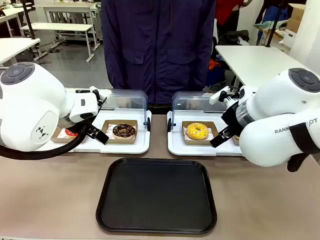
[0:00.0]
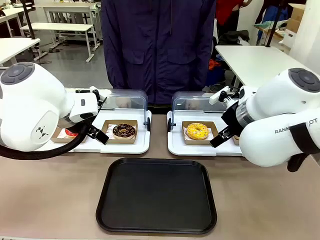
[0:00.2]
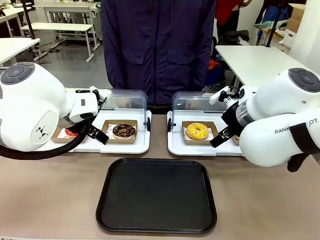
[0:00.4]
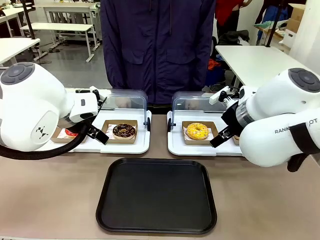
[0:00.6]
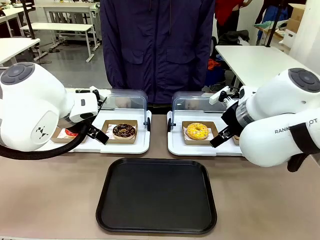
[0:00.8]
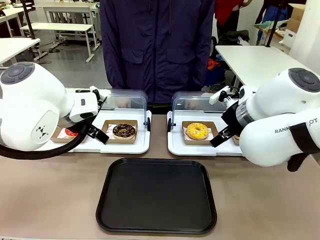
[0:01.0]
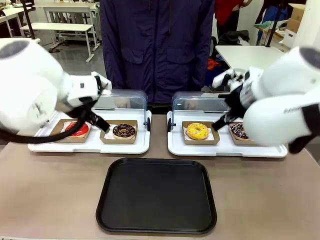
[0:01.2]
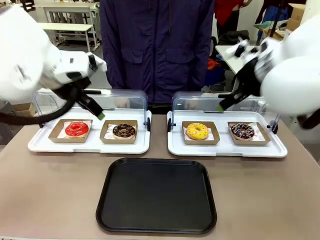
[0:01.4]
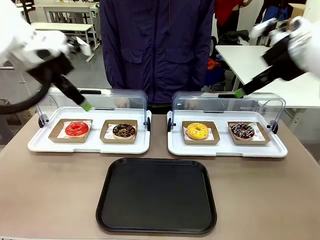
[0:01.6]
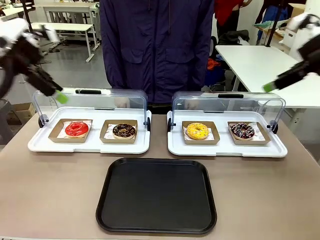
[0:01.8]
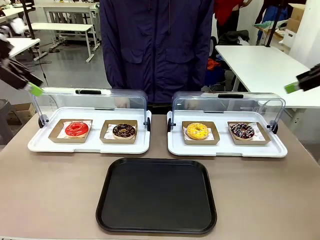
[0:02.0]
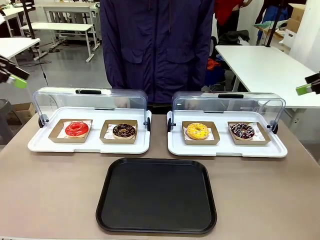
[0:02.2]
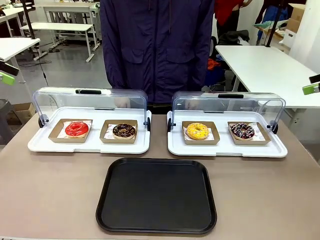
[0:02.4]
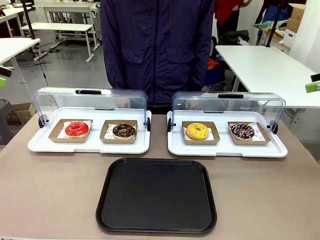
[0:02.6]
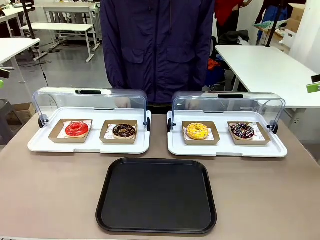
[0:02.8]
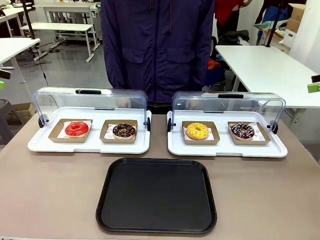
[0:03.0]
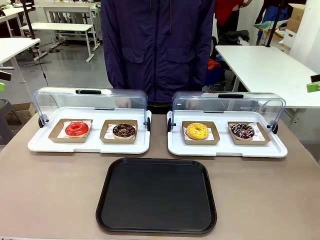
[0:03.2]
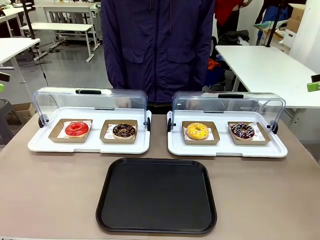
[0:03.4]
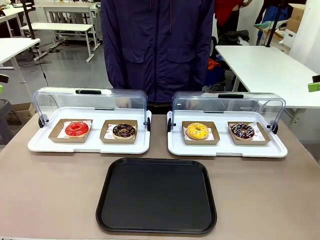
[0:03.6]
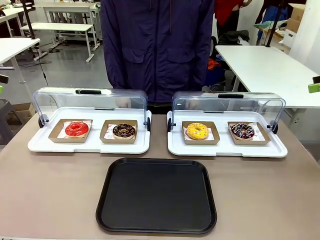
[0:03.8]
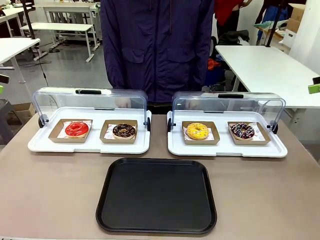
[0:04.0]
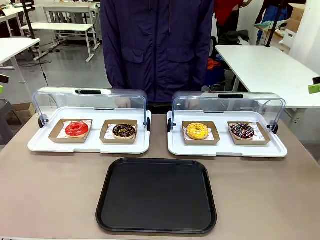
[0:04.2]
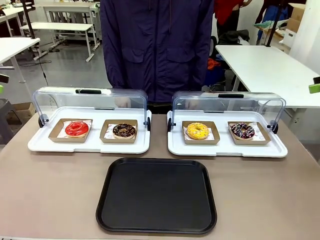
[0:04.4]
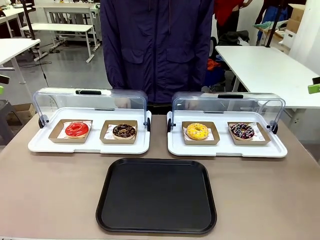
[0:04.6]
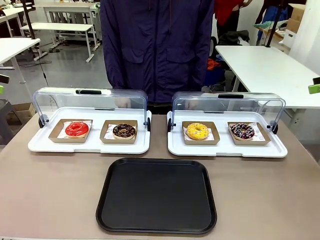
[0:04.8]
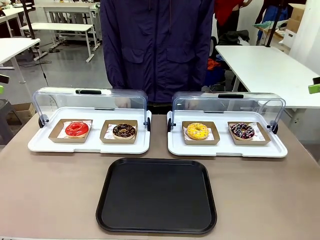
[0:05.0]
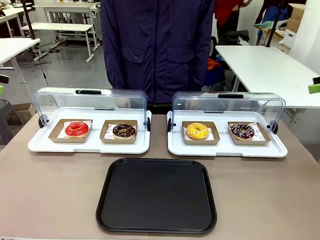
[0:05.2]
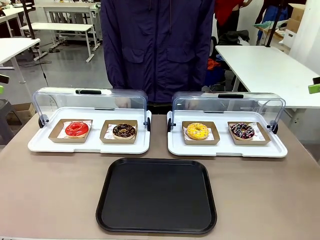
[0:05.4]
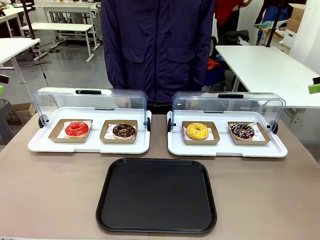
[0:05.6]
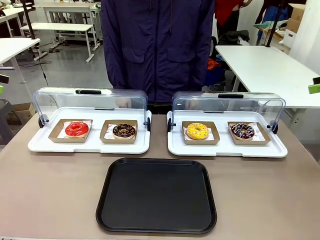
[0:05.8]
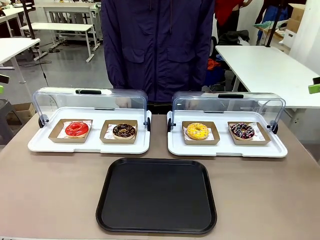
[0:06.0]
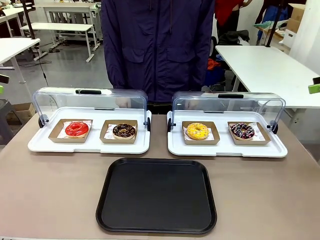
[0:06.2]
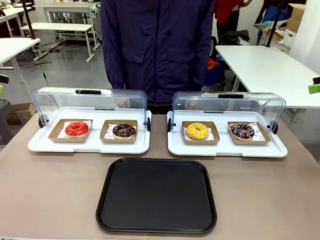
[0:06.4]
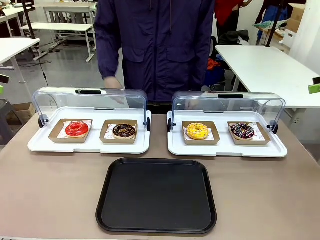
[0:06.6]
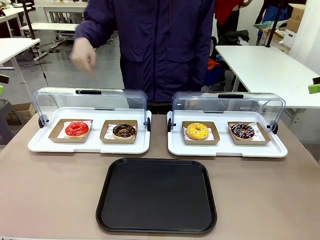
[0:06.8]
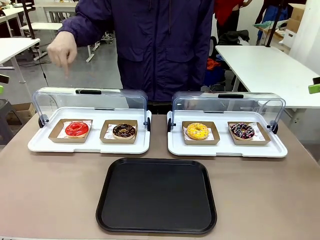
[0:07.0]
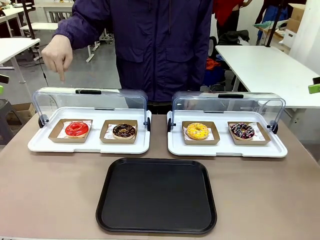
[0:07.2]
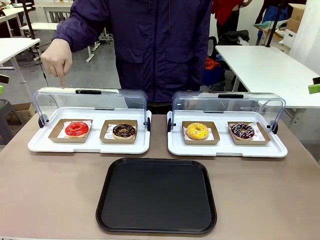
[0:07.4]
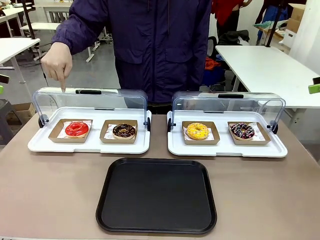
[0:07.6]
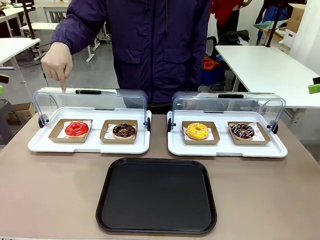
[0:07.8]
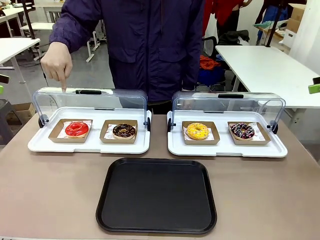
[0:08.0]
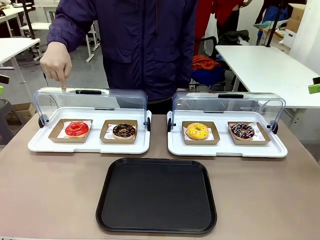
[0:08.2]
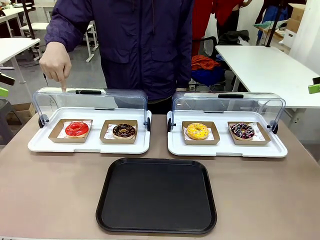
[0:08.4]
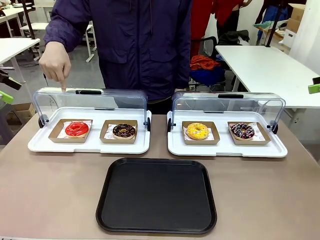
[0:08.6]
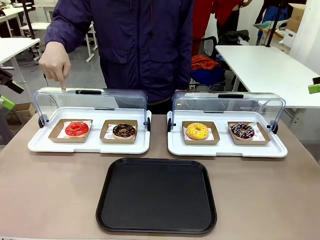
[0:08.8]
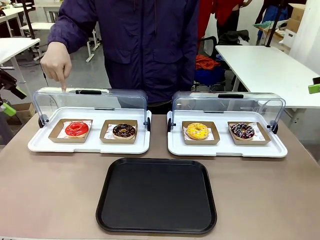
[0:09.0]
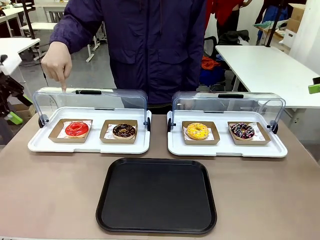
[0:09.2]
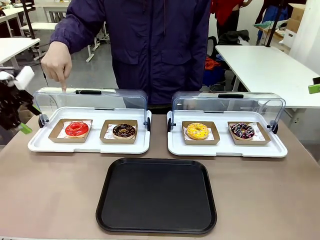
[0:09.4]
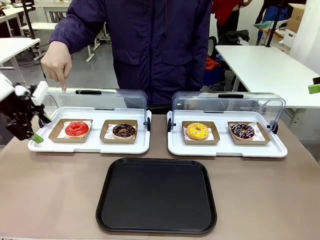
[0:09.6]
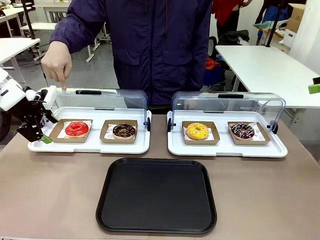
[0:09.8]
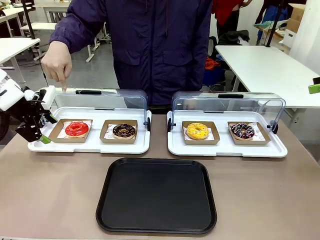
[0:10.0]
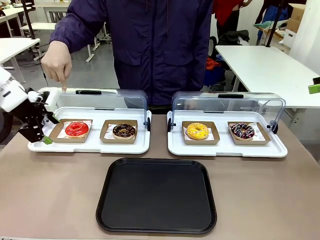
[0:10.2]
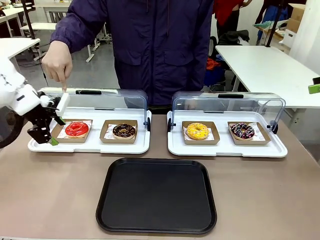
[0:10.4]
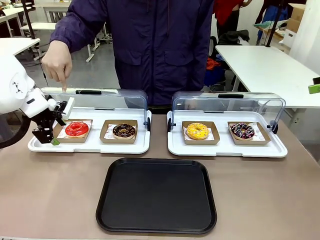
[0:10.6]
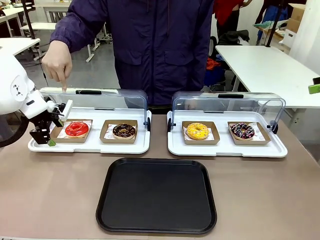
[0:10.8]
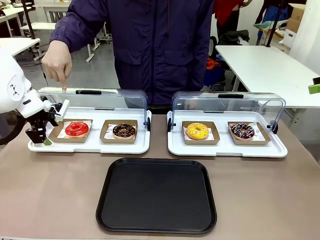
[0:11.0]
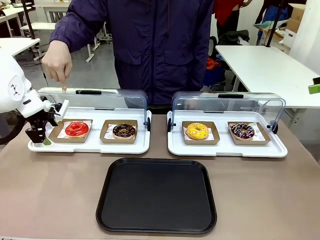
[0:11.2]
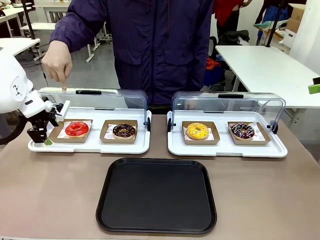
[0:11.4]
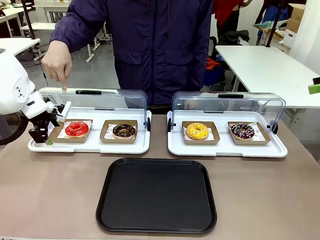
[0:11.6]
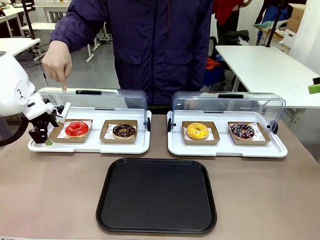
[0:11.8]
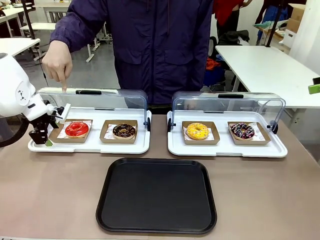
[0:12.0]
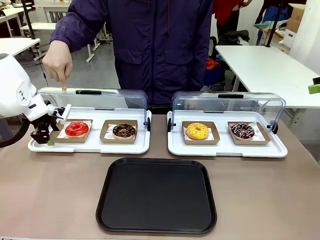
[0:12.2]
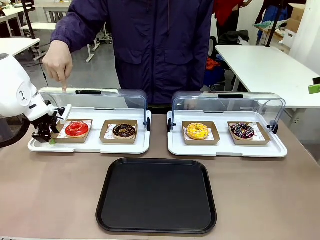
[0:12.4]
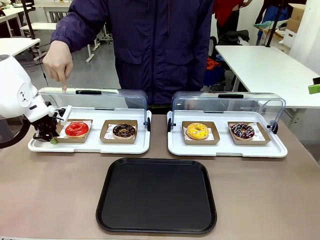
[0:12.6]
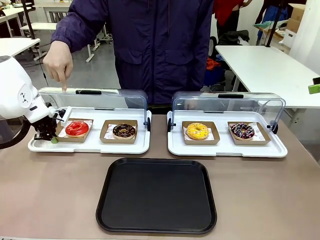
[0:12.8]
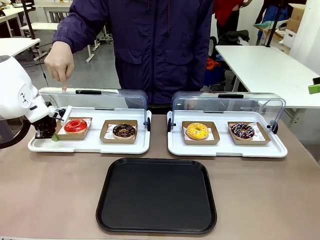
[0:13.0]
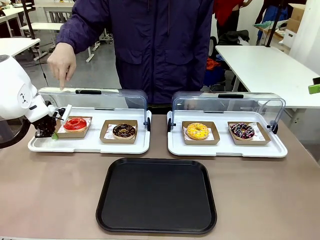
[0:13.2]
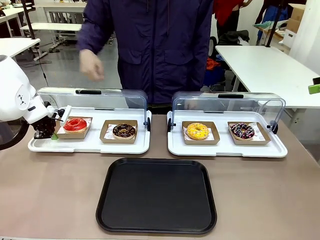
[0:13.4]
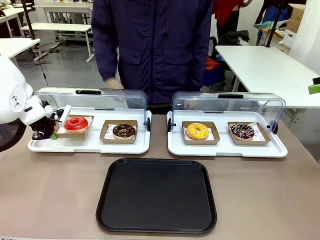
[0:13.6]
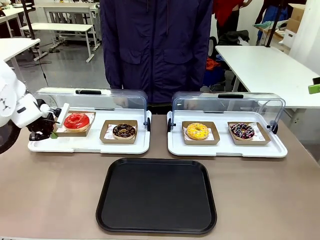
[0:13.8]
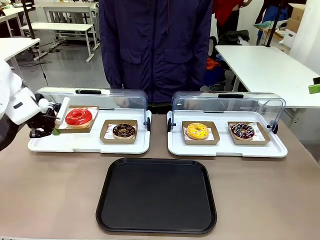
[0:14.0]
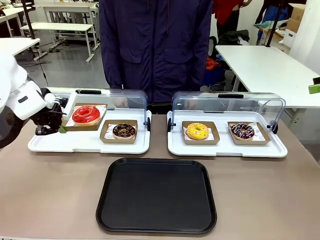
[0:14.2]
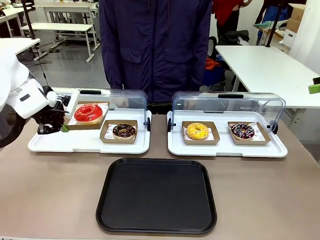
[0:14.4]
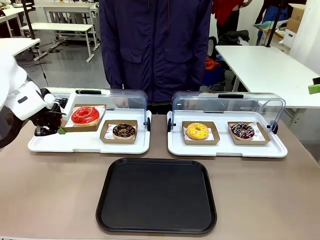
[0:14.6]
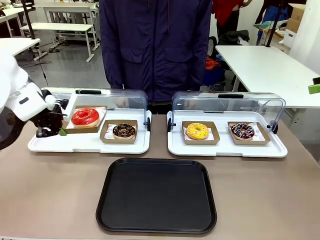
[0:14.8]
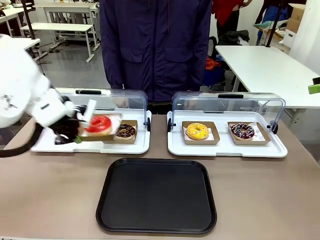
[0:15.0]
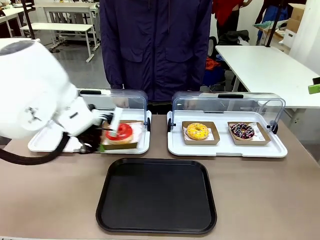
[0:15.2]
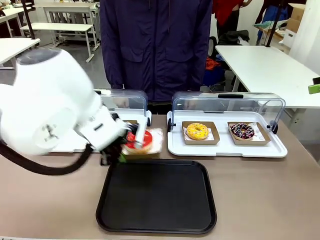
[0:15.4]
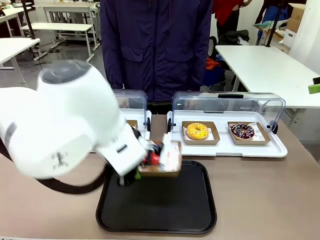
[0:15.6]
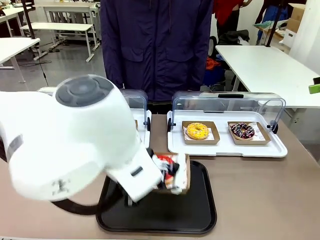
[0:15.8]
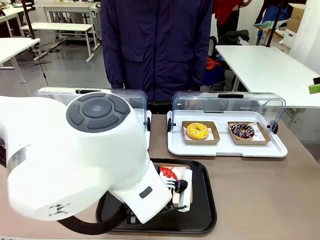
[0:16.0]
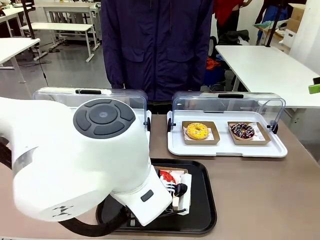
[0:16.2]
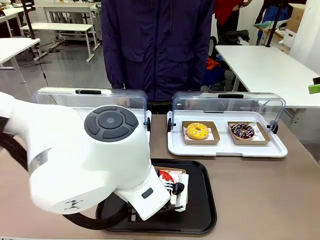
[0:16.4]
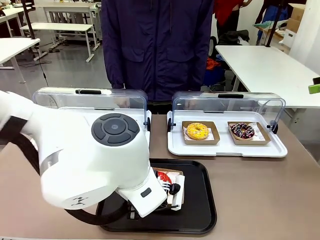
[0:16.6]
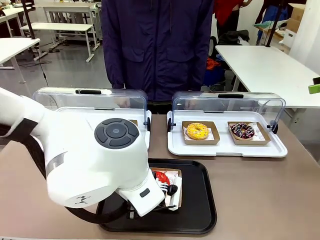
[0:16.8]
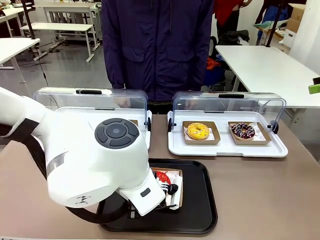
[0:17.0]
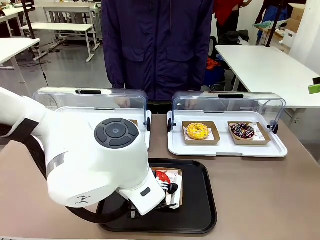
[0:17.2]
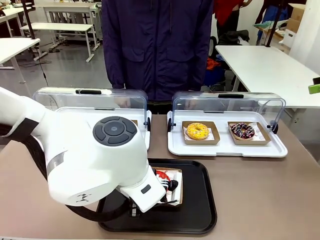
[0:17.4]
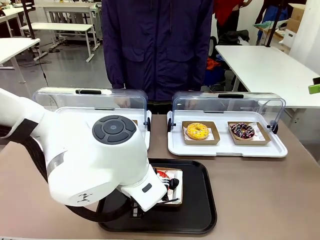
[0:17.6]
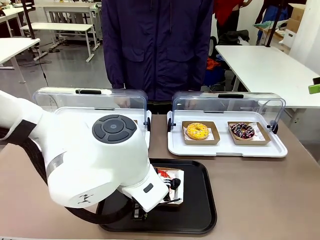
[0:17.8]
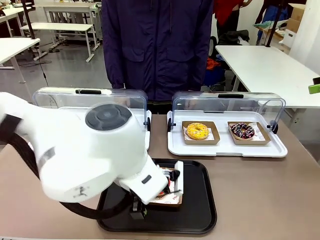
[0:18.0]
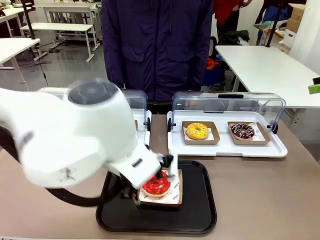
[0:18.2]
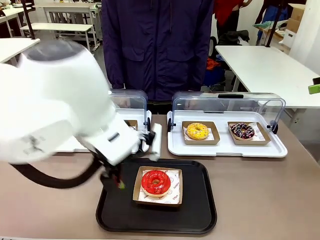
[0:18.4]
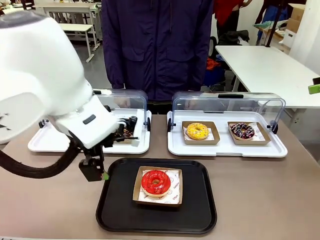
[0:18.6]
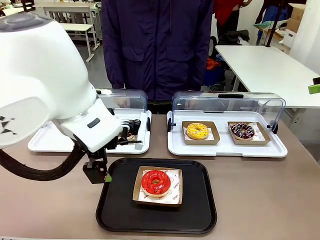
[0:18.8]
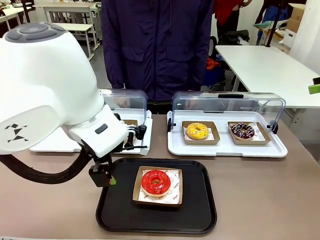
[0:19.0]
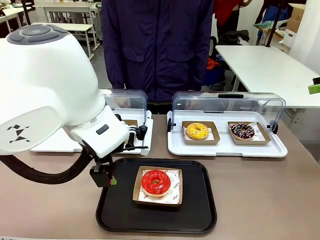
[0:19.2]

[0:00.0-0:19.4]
Task: Move the first donut from the left to the tray.
Robot: Pick up the Paper togo box containing the Donut indicated by the person and place it on the Handle tray.
Person: Points to the first donut from the left from the robot’s perspective.
